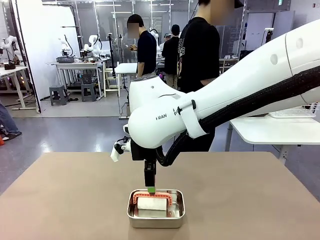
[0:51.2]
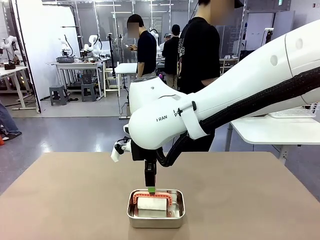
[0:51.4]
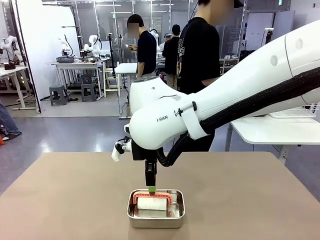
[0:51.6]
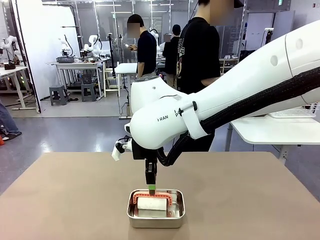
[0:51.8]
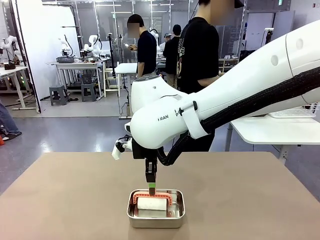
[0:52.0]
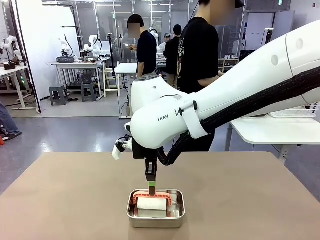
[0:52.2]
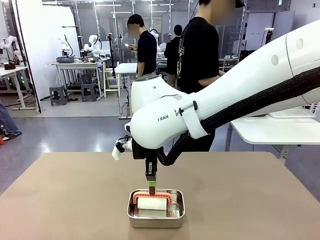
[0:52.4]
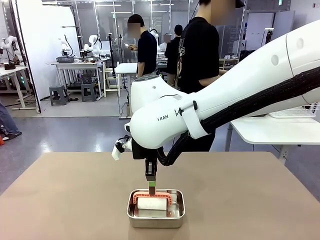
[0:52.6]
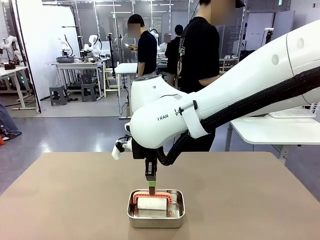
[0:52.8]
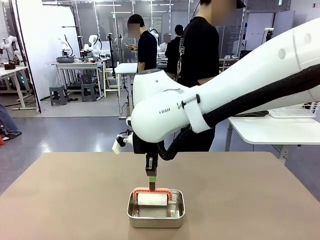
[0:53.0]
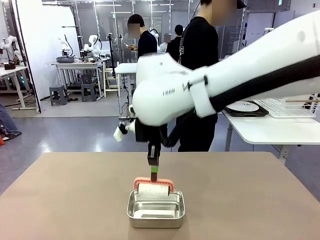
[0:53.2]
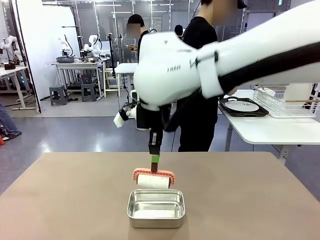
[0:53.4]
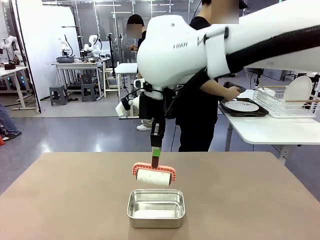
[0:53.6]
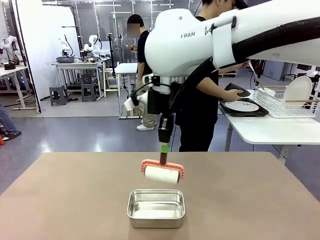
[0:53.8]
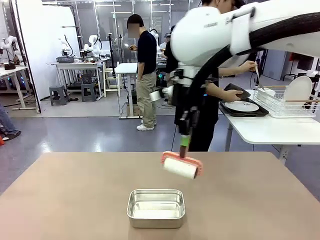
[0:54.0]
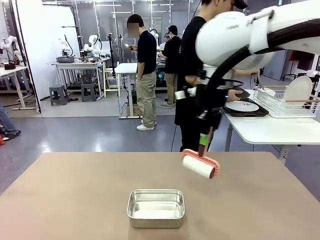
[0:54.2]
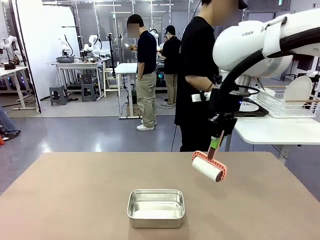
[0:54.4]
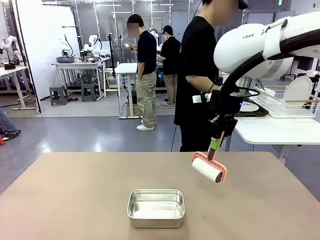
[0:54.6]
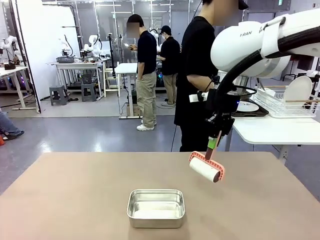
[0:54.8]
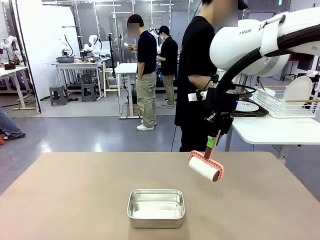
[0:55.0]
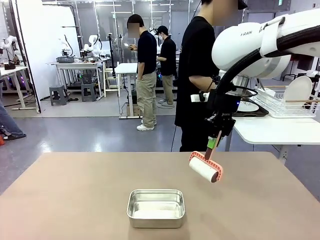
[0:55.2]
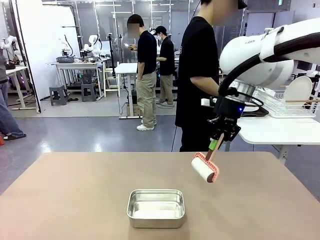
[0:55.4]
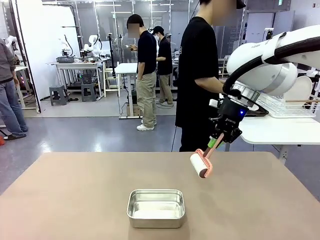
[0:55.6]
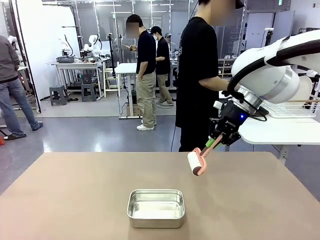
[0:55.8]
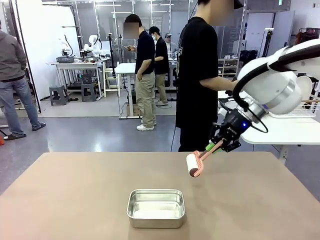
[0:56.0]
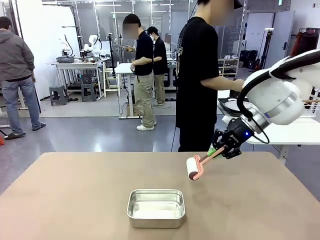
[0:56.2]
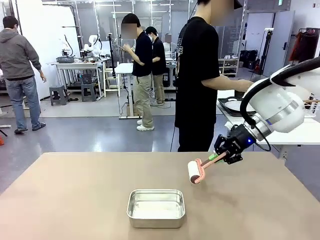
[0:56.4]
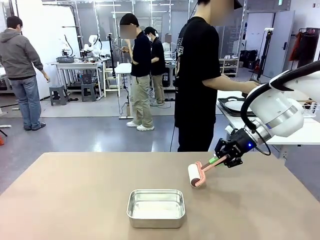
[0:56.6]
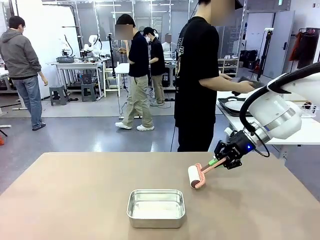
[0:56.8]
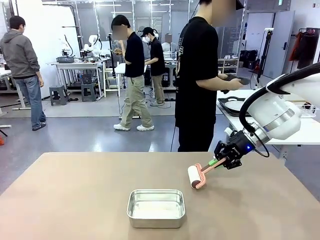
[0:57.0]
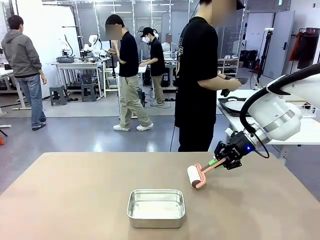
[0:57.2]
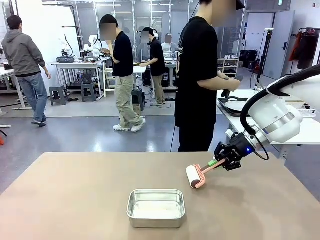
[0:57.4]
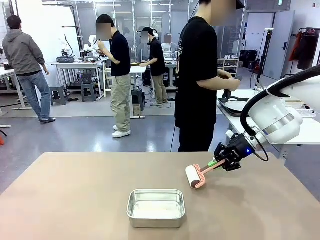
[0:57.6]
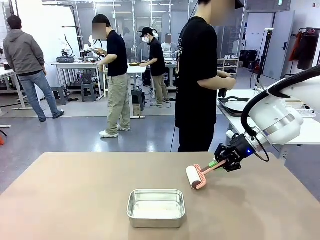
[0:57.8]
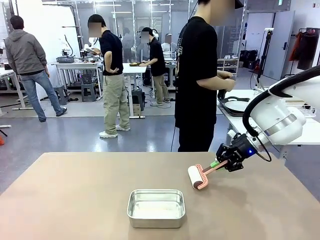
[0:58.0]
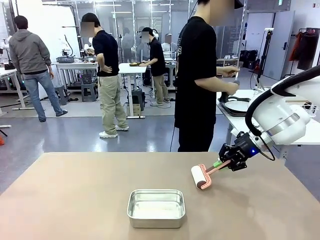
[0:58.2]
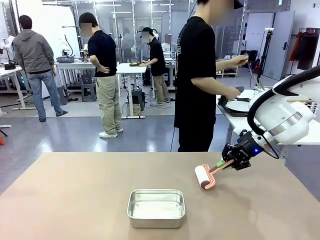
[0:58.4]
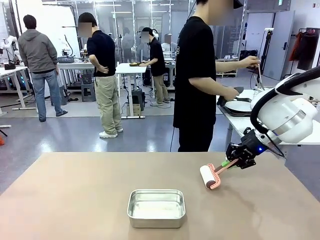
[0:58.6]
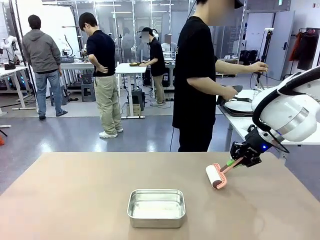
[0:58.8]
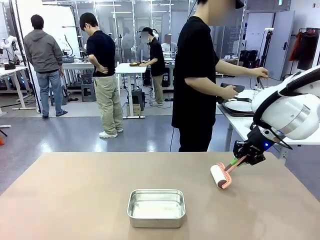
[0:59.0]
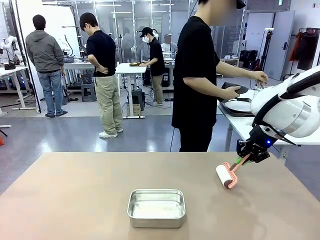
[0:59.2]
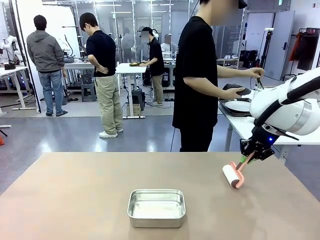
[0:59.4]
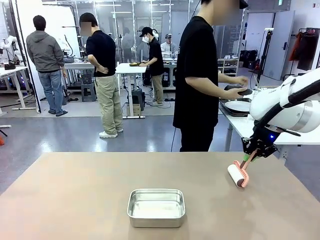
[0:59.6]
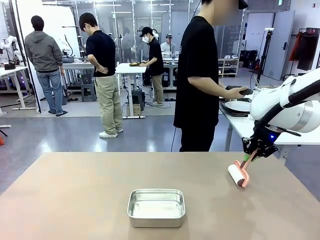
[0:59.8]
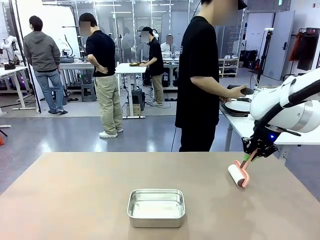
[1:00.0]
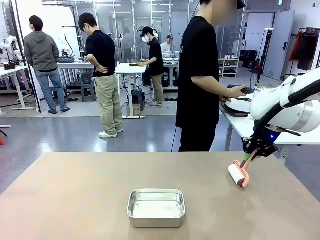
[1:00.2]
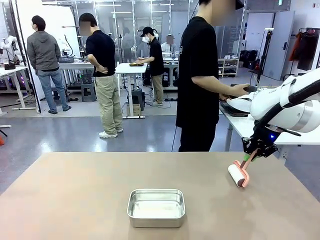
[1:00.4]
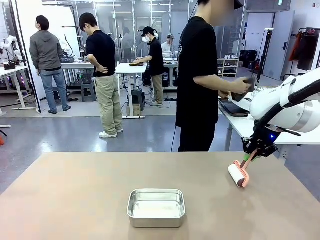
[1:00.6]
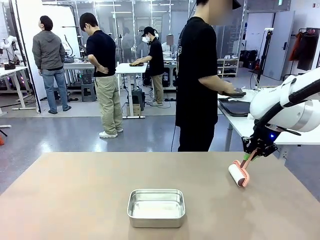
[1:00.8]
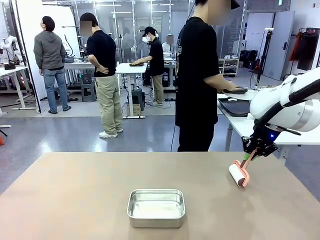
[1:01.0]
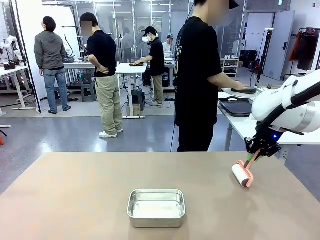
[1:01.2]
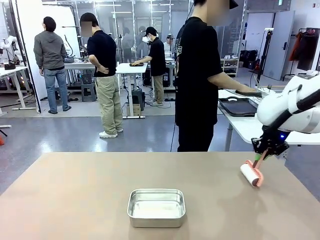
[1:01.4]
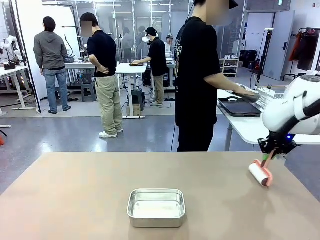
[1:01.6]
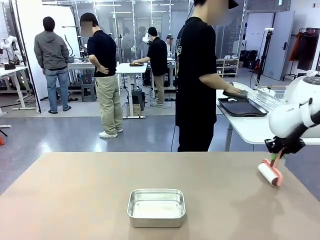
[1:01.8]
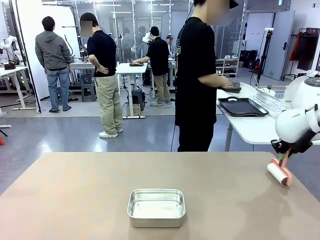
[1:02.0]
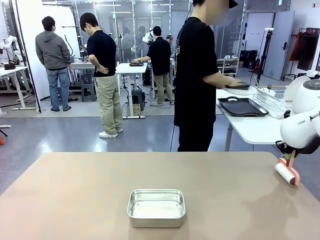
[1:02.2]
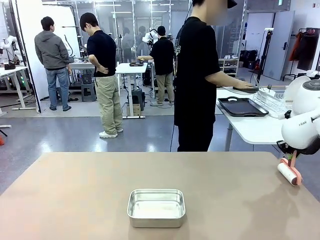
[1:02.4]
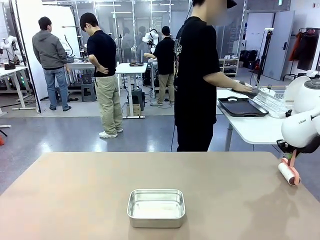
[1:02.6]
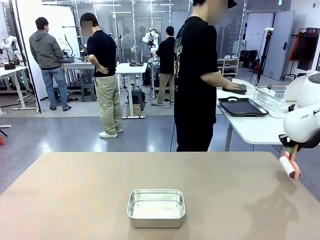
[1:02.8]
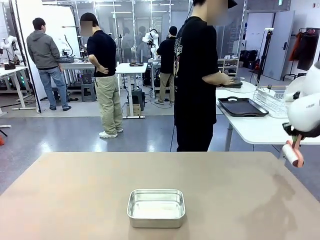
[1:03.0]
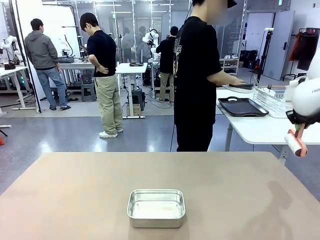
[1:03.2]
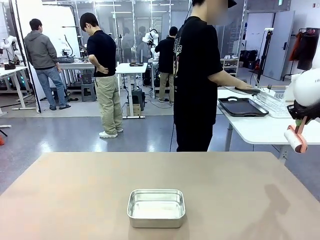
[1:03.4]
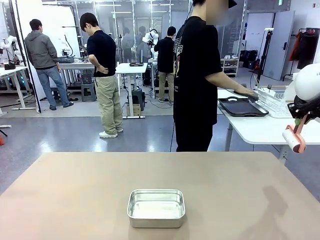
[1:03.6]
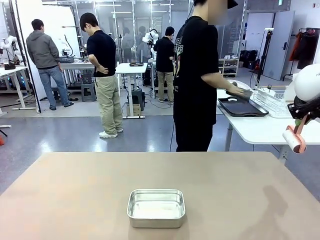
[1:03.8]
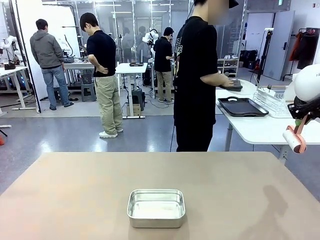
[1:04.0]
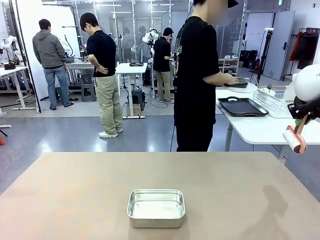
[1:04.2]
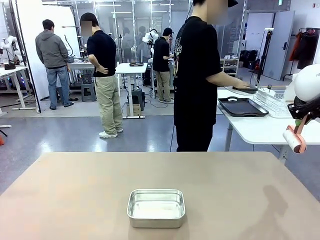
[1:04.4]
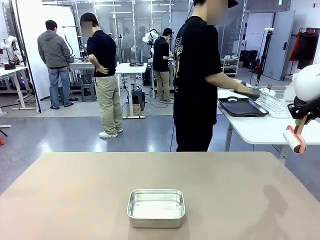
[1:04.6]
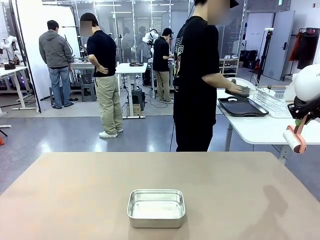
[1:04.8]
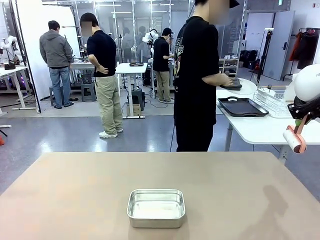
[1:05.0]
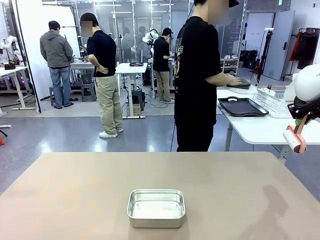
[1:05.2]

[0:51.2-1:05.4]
Robot: When the right (or left) Handle tray is removed, use the right hand (or left hand) to clean the right (or left) side of the table with the Lint Roller.
